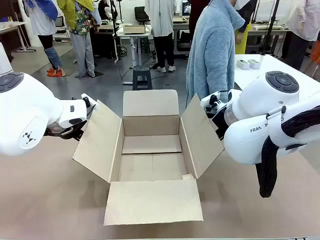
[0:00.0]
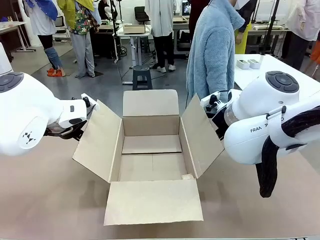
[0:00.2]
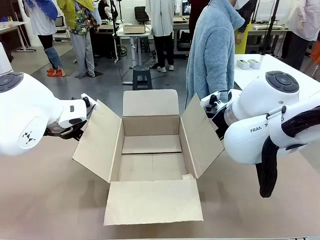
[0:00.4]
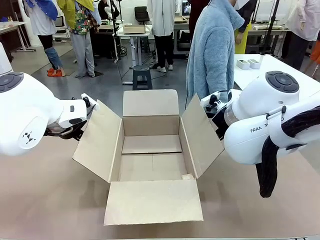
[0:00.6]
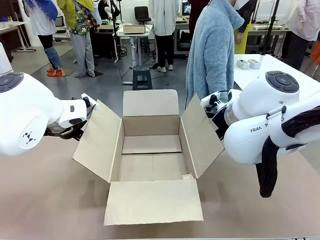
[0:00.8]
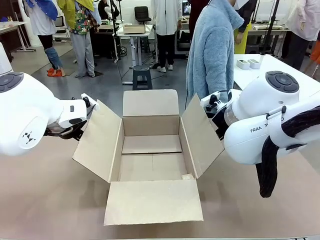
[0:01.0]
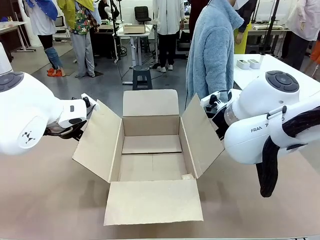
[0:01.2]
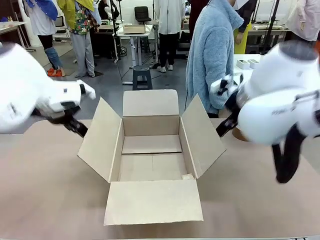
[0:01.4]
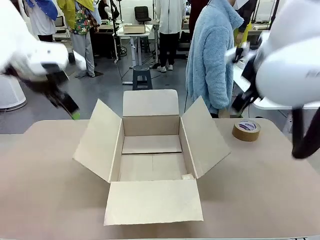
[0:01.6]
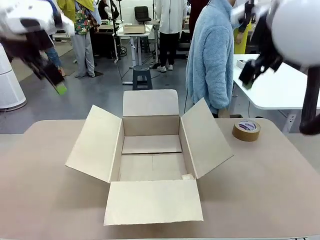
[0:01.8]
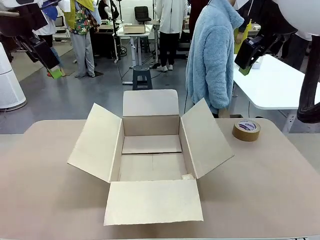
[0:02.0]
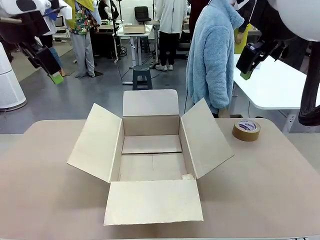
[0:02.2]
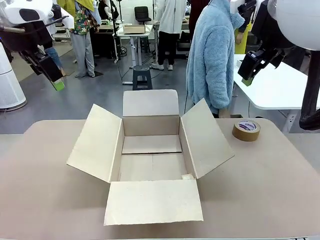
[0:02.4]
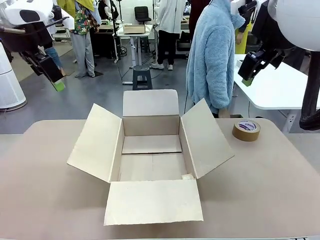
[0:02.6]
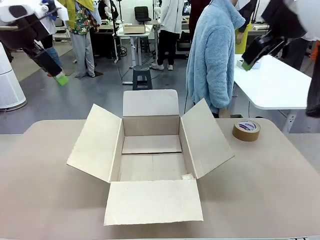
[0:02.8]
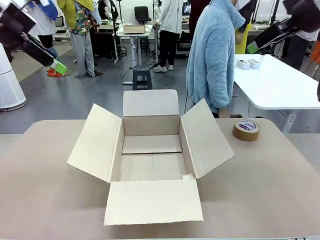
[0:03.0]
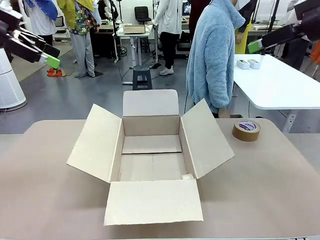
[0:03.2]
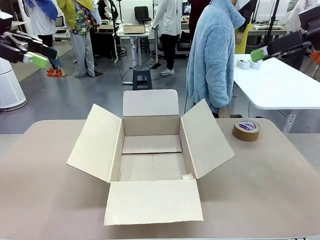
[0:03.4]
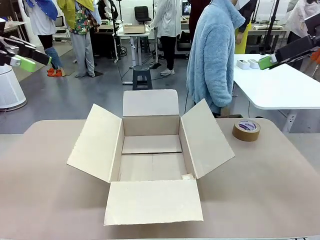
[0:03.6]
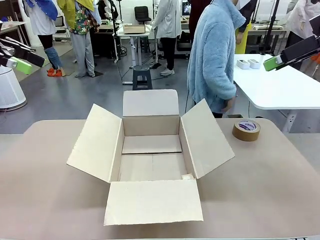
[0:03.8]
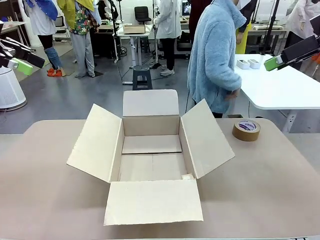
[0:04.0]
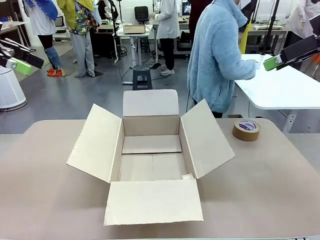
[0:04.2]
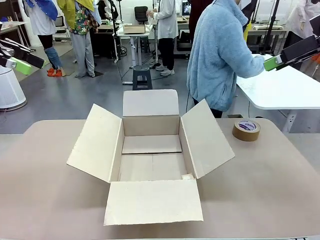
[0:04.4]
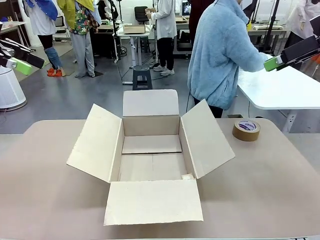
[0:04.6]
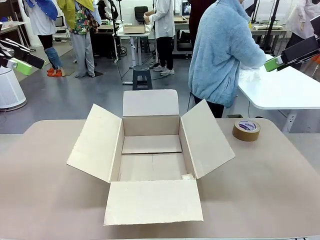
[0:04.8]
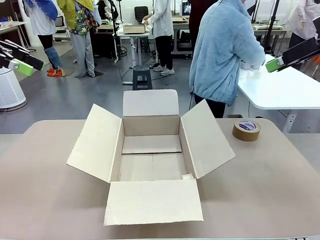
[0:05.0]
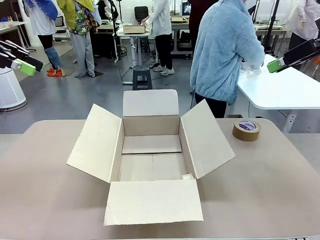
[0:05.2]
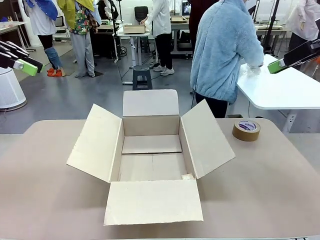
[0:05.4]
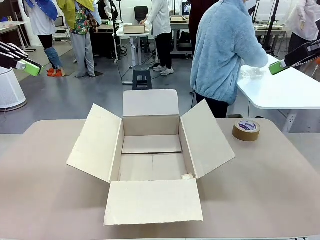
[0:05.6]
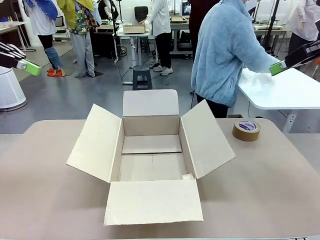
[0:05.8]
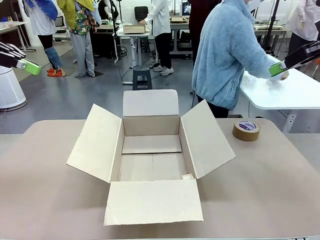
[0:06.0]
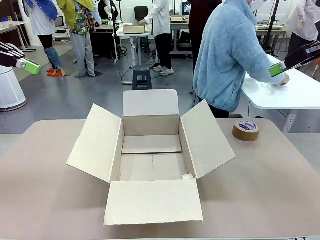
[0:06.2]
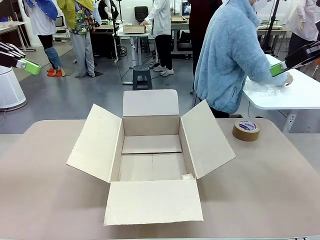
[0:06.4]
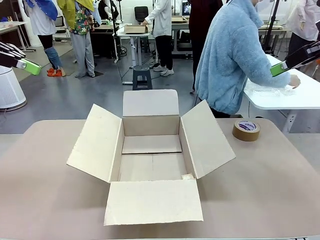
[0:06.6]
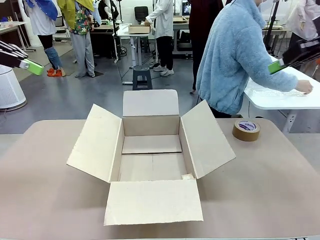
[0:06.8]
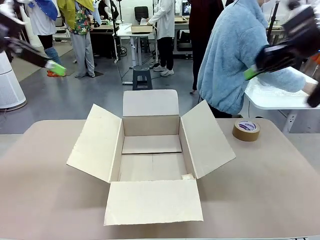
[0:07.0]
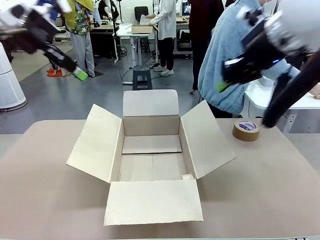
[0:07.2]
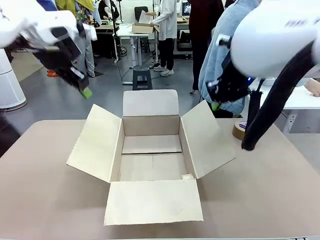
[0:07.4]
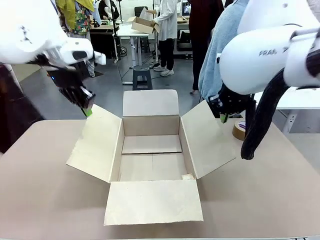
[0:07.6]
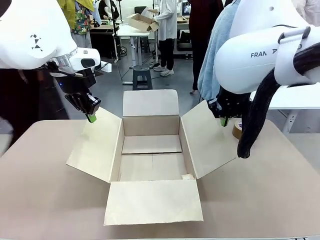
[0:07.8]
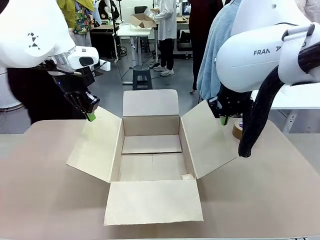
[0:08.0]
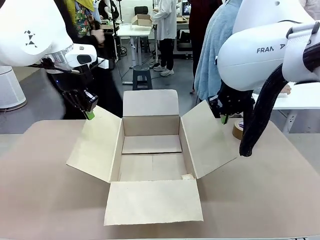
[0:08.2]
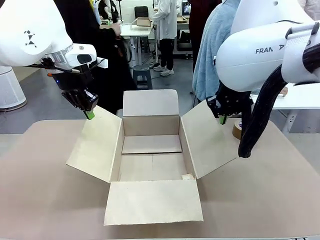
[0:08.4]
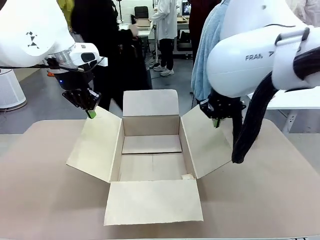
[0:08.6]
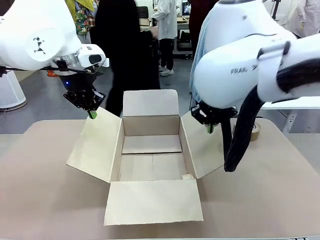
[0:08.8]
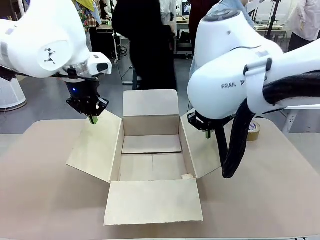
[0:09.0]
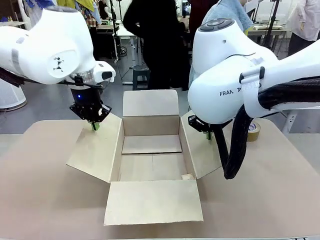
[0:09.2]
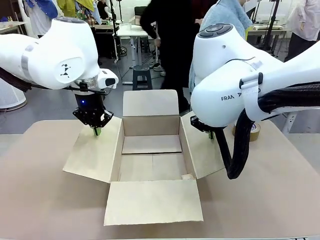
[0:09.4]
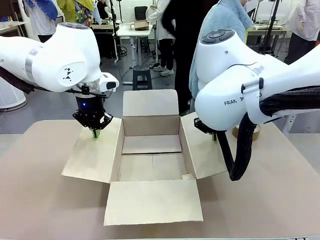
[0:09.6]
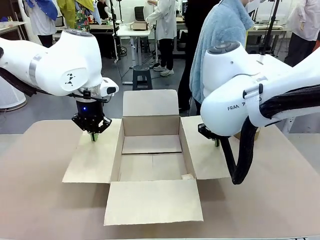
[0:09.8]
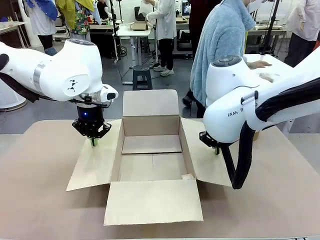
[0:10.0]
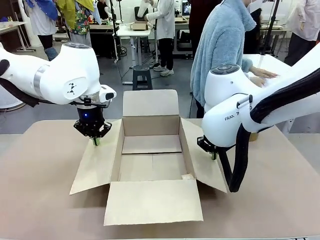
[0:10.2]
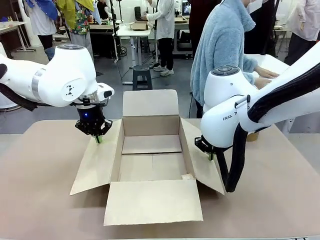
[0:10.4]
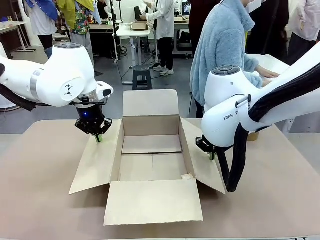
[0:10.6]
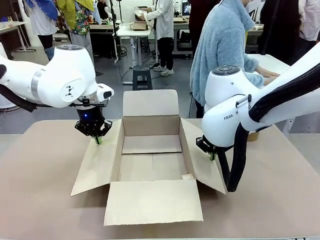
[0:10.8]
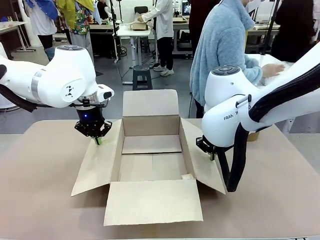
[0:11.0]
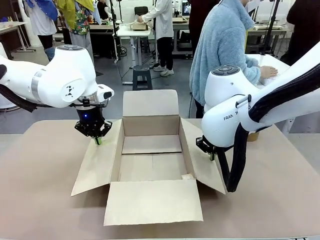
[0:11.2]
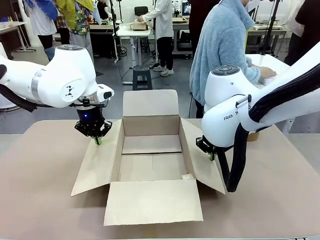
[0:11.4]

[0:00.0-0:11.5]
Task: Wrap the clocks to prevent damage.
Robot: Open the side flaps of the Package Box.
Person: Wrap the two Digital clocks with Bubble Wrap.

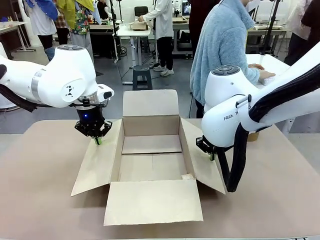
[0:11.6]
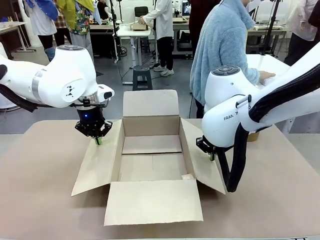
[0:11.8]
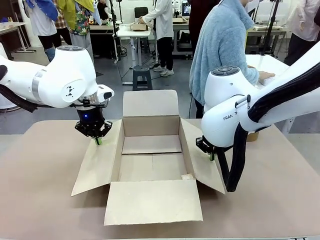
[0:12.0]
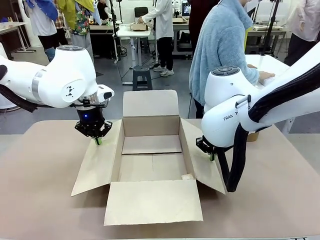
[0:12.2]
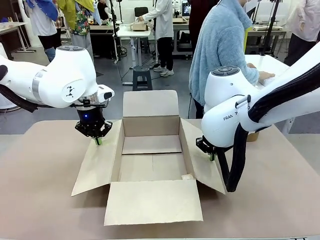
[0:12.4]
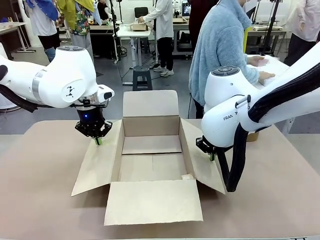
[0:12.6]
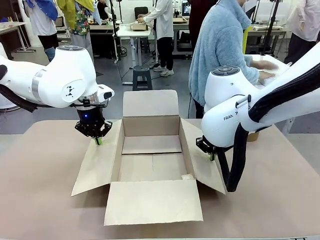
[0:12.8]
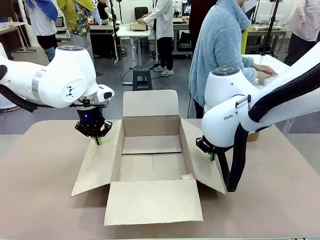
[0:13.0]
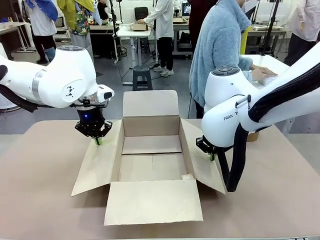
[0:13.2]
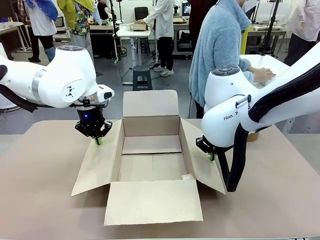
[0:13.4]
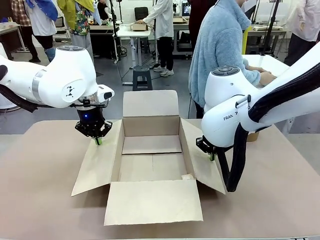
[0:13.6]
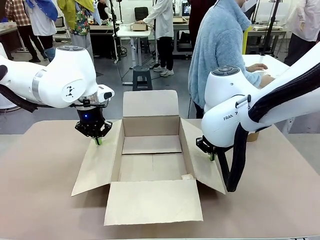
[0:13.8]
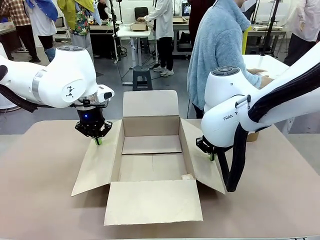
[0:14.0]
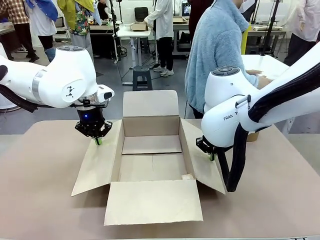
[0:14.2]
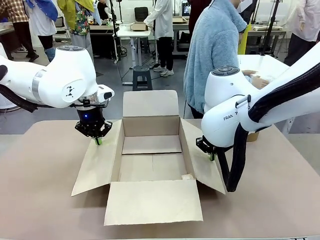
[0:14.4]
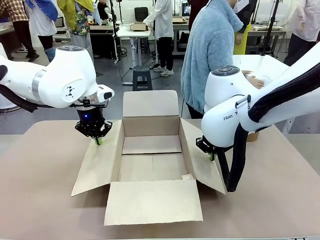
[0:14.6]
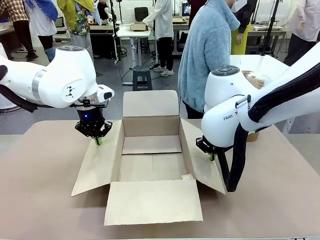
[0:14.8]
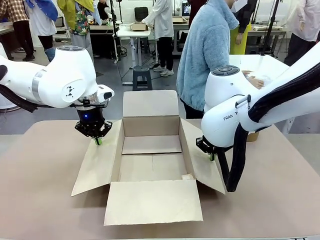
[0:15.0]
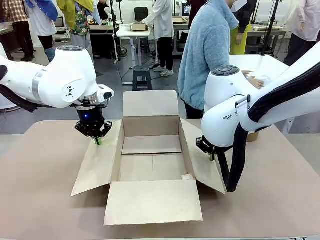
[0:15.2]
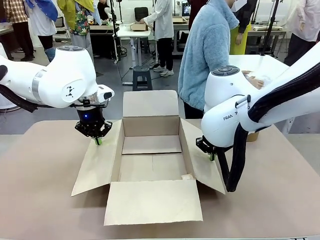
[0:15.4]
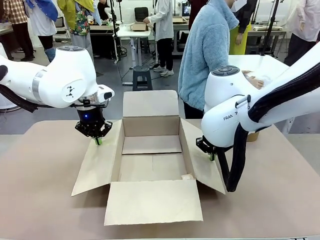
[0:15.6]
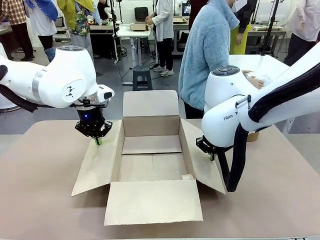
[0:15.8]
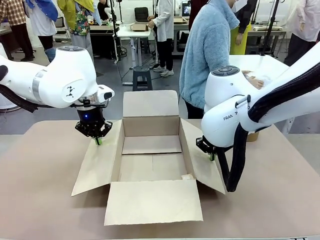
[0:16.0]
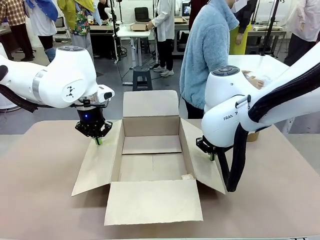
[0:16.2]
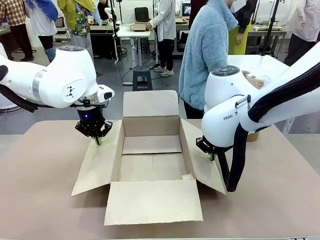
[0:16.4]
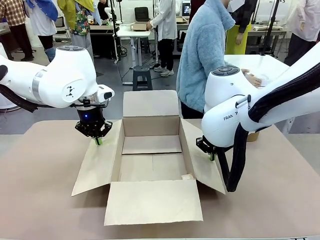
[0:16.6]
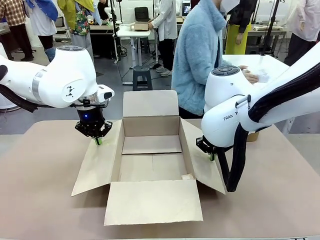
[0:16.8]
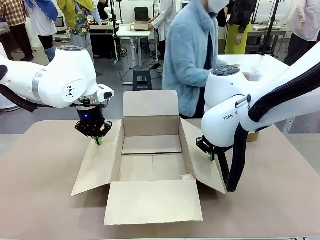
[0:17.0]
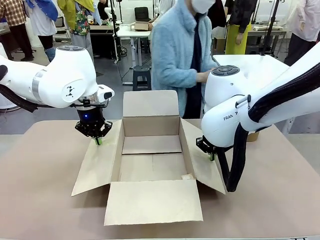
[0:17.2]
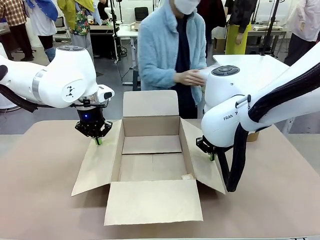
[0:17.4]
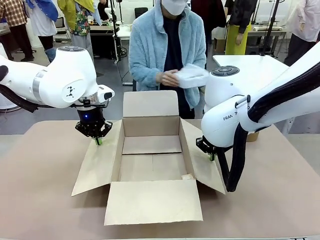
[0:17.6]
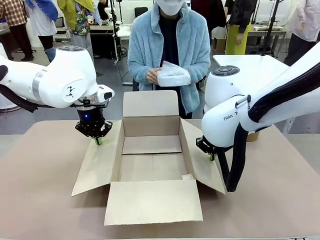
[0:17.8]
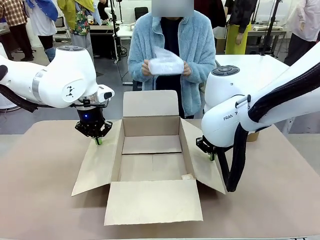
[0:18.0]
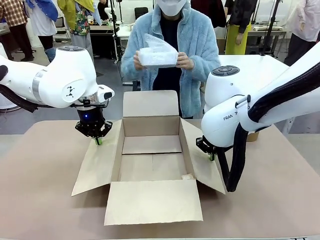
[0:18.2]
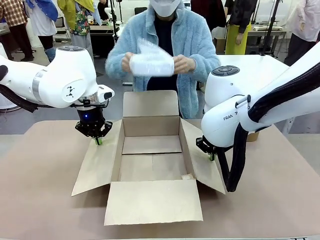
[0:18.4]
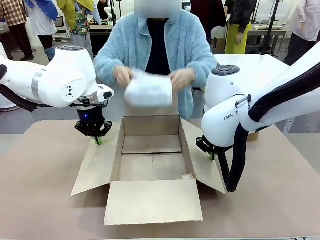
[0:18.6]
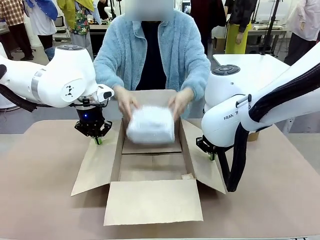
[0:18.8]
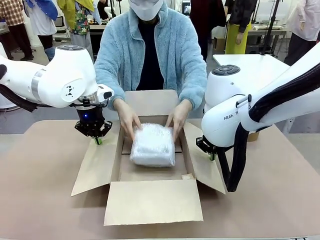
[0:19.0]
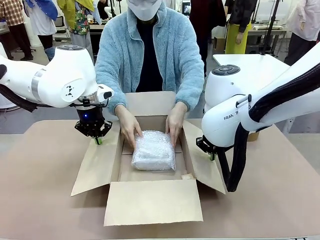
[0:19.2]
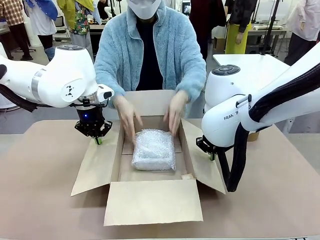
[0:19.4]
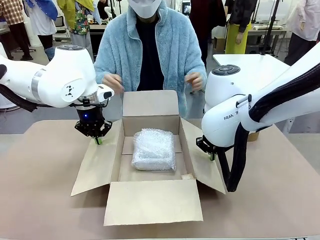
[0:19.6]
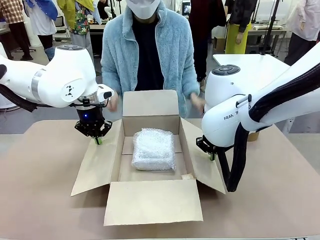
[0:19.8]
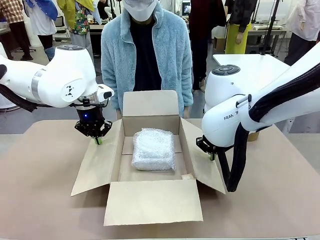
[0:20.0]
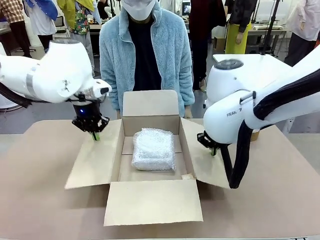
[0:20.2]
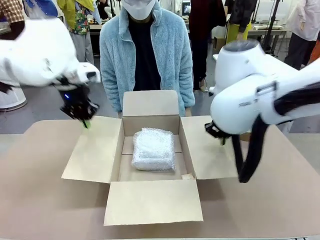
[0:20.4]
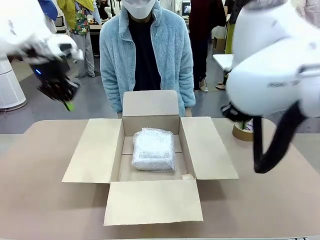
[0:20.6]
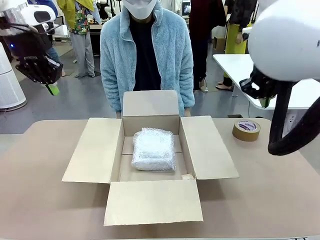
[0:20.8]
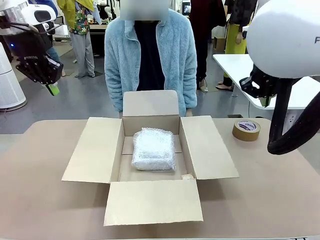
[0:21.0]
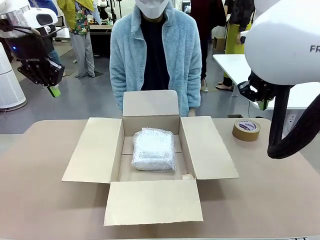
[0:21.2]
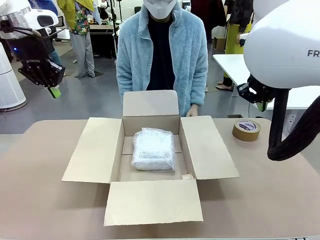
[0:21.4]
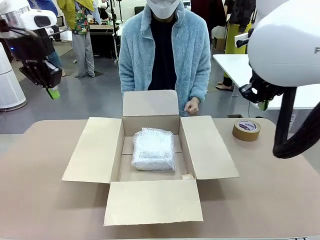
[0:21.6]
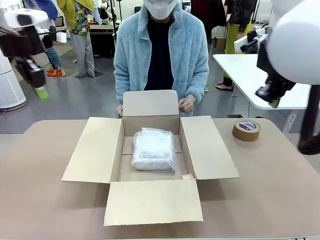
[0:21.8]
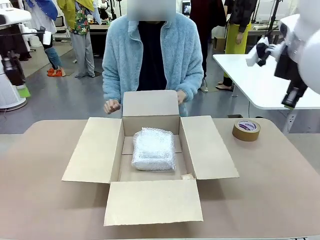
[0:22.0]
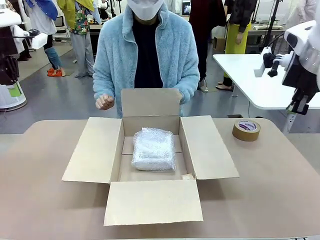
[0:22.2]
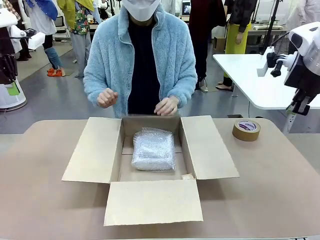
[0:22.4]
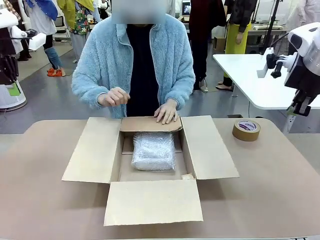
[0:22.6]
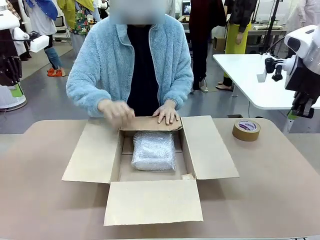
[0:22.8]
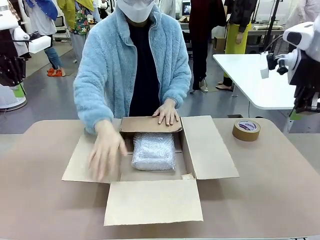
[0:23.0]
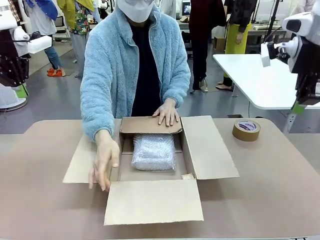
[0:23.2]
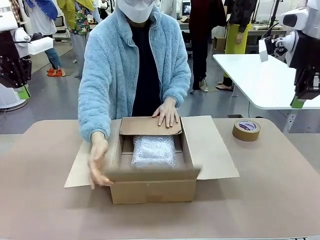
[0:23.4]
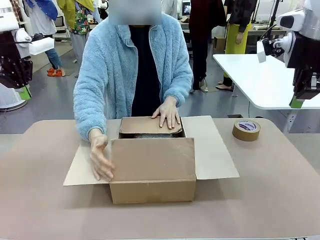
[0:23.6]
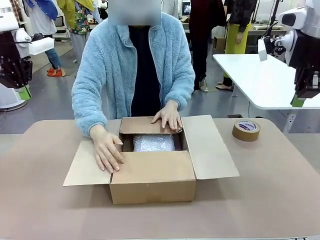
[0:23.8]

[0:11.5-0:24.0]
Robot: Once the human has placed the objects inside and stepped back, release both hands from the side flaps of the Package Box.
Person: Place the wrapped Digital clocks inside the Package Box. Hold the top and bottom flaps of the Package Box closed with your left (or right) hand.
